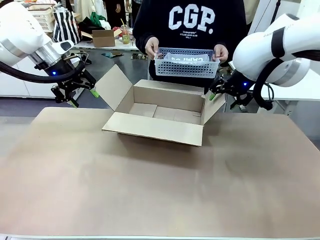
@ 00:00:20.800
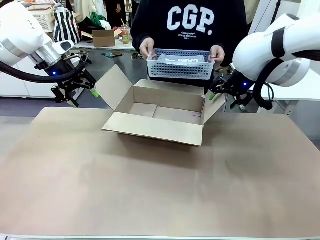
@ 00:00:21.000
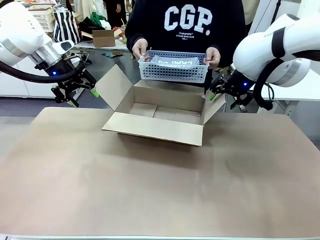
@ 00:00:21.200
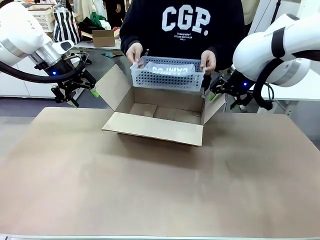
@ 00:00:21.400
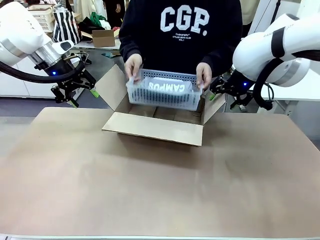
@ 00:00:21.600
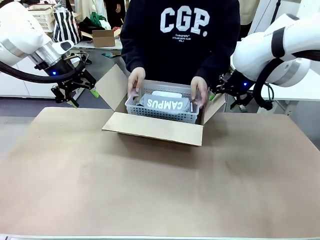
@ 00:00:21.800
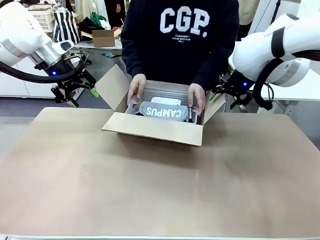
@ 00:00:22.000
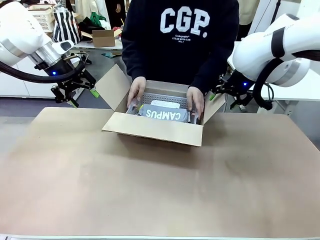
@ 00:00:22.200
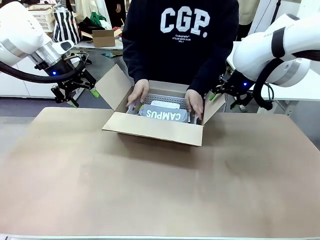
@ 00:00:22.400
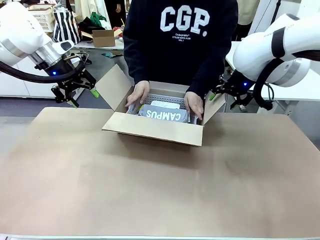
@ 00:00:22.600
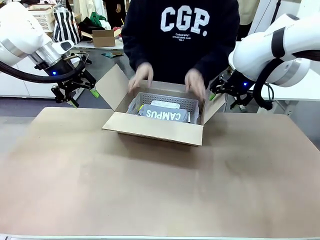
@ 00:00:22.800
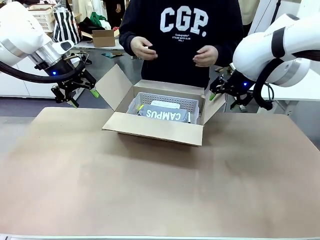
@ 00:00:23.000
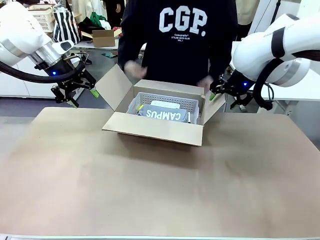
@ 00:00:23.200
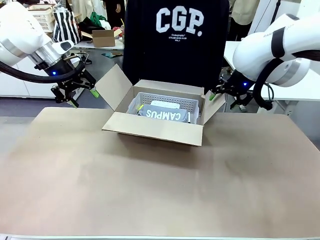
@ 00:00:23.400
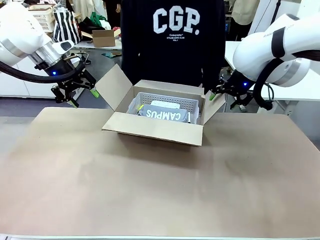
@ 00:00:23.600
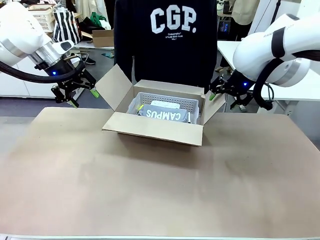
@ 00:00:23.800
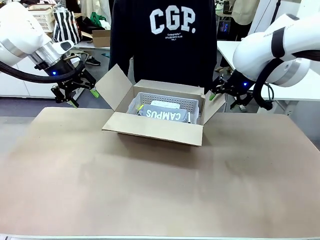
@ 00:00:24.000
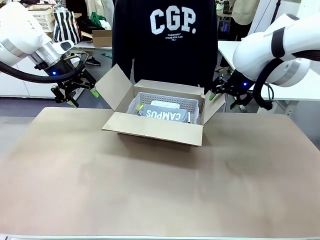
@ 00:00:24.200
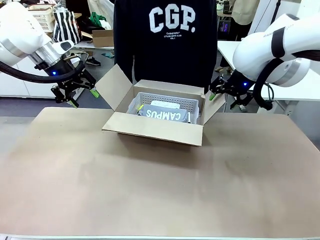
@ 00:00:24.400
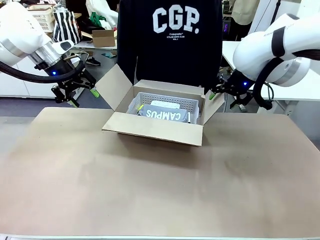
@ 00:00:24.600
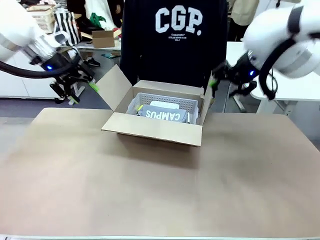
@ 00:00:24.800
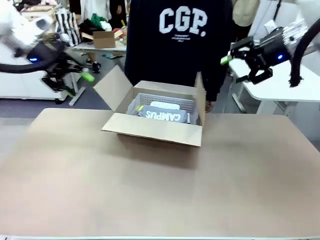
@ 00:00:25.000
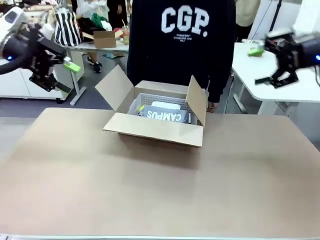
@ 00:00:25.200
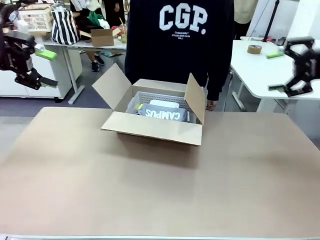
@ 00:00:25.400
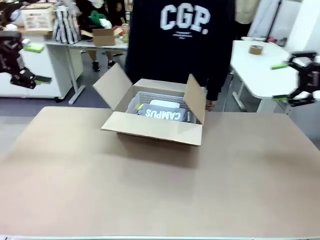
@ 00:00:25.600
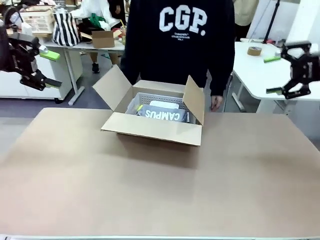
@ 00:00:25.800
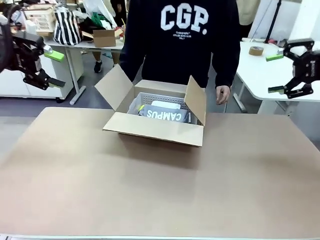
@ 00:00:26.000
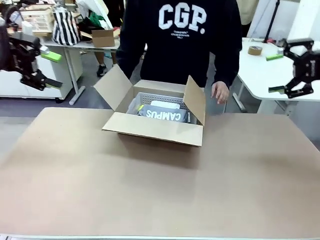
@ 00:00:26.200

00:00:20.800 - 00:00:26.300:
Task: Pack the gift set into the box.
Robot: Lift both hands away from the flaps of the Package Box.

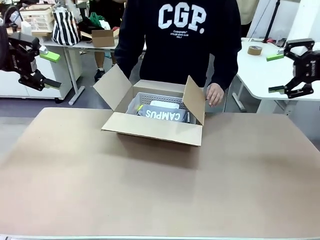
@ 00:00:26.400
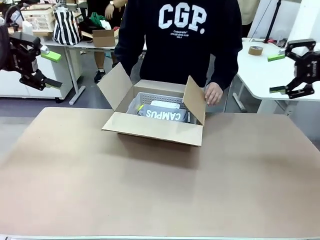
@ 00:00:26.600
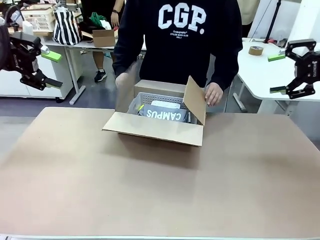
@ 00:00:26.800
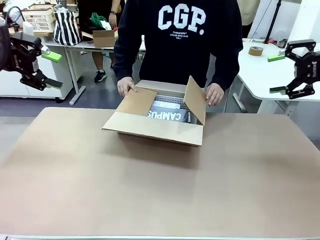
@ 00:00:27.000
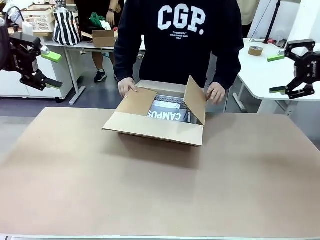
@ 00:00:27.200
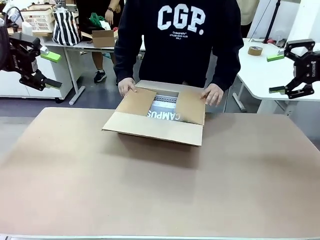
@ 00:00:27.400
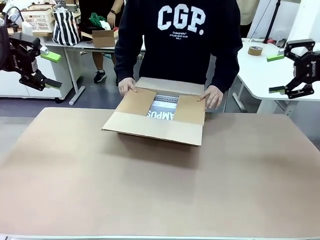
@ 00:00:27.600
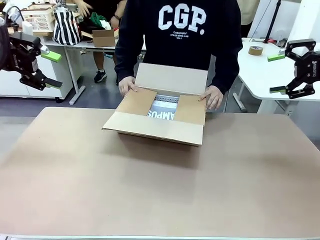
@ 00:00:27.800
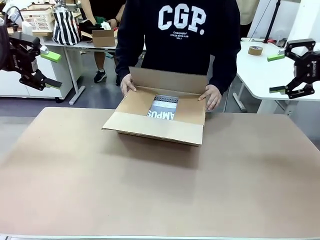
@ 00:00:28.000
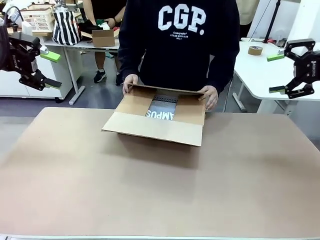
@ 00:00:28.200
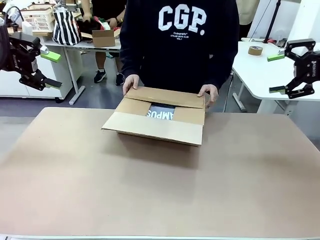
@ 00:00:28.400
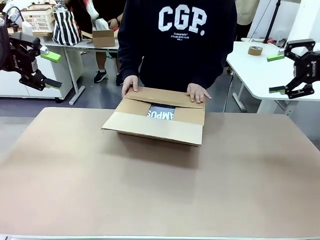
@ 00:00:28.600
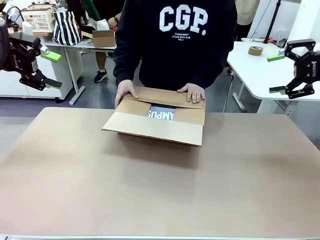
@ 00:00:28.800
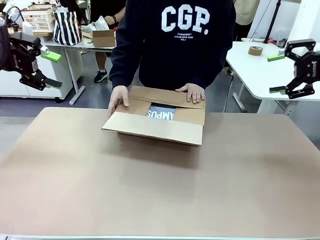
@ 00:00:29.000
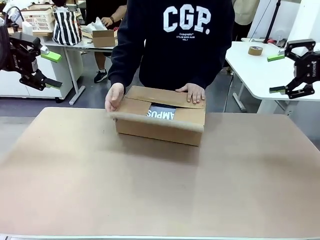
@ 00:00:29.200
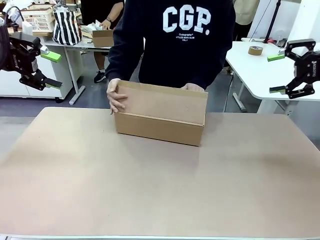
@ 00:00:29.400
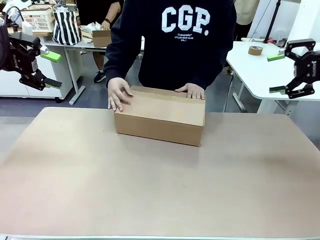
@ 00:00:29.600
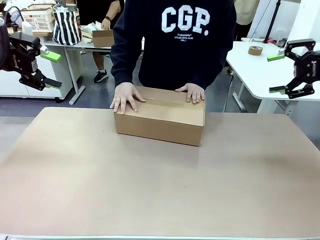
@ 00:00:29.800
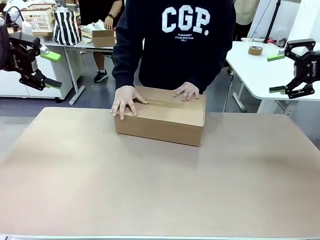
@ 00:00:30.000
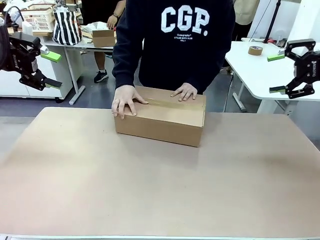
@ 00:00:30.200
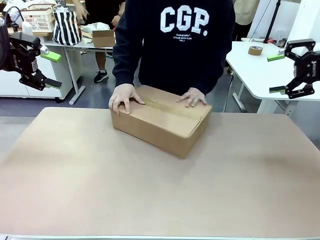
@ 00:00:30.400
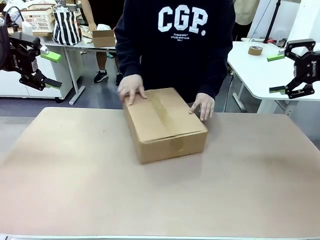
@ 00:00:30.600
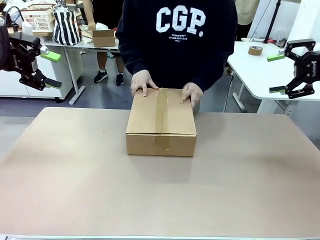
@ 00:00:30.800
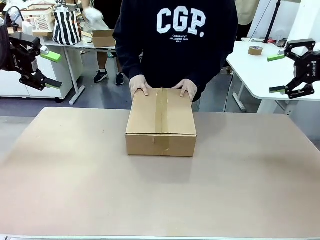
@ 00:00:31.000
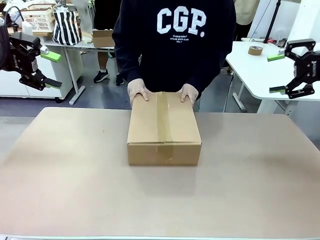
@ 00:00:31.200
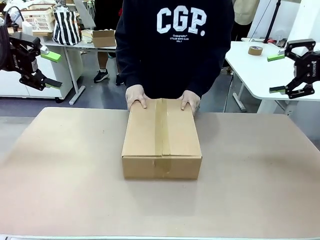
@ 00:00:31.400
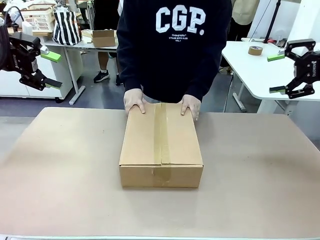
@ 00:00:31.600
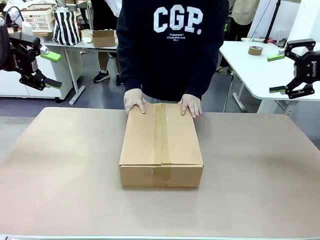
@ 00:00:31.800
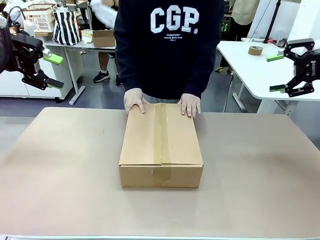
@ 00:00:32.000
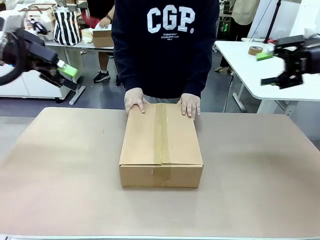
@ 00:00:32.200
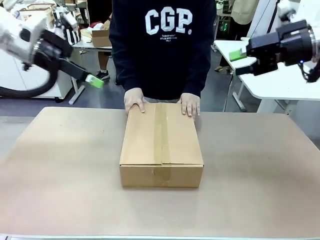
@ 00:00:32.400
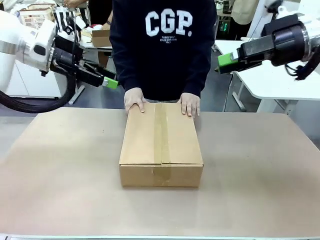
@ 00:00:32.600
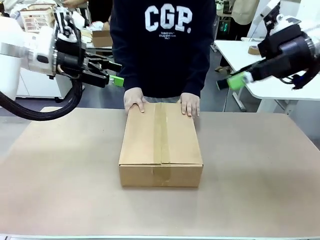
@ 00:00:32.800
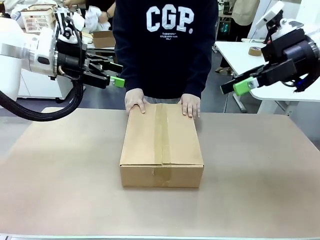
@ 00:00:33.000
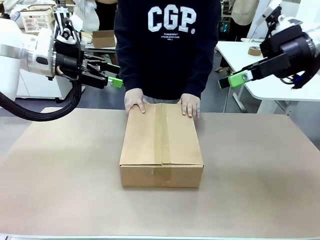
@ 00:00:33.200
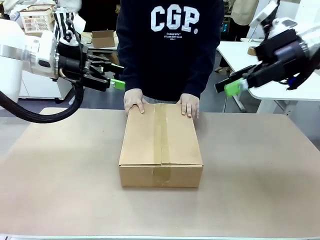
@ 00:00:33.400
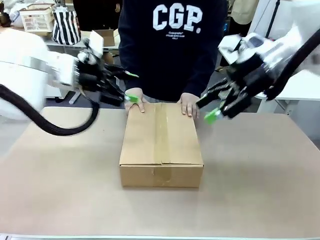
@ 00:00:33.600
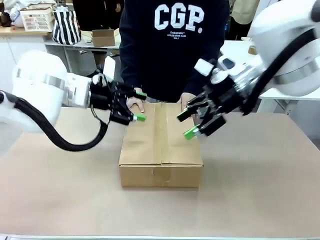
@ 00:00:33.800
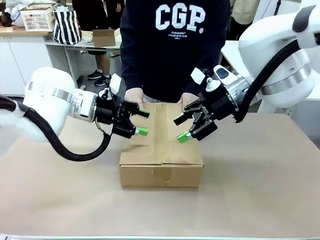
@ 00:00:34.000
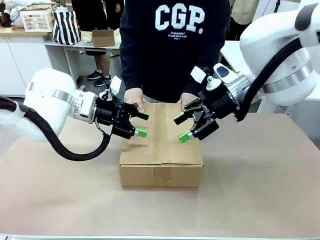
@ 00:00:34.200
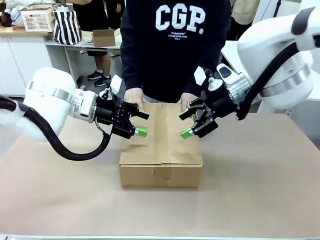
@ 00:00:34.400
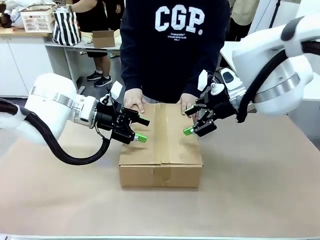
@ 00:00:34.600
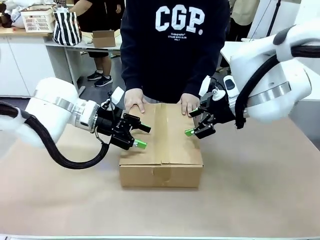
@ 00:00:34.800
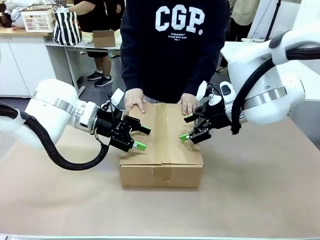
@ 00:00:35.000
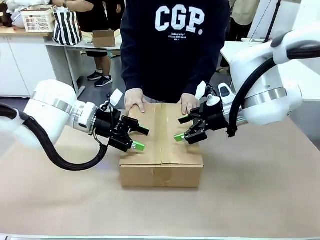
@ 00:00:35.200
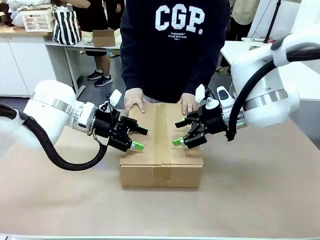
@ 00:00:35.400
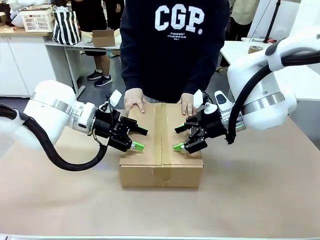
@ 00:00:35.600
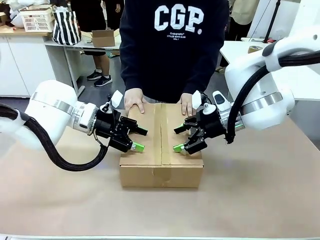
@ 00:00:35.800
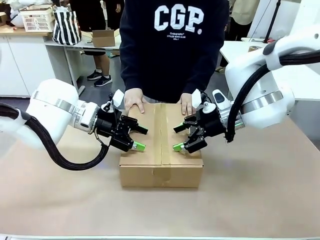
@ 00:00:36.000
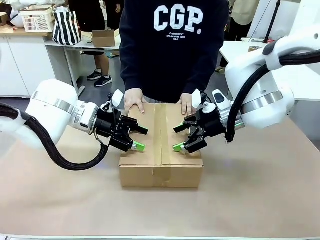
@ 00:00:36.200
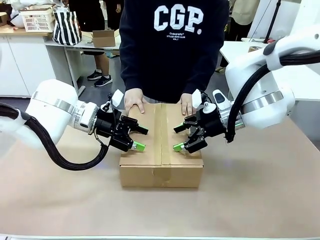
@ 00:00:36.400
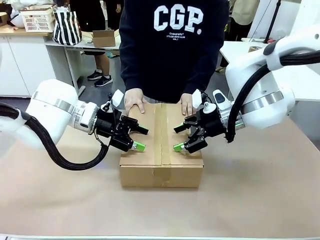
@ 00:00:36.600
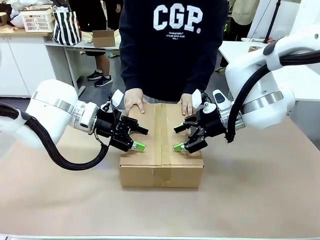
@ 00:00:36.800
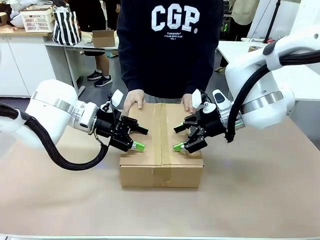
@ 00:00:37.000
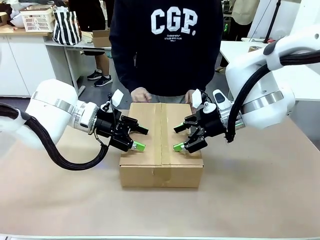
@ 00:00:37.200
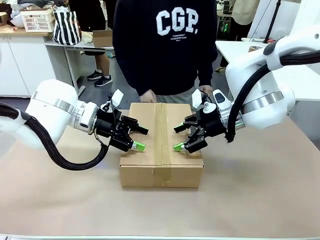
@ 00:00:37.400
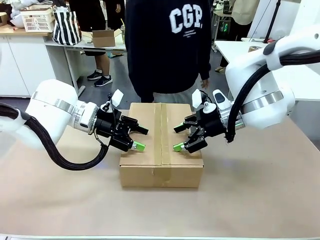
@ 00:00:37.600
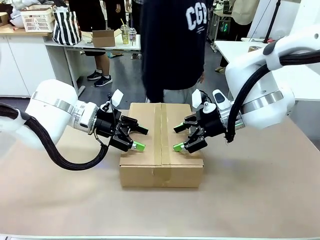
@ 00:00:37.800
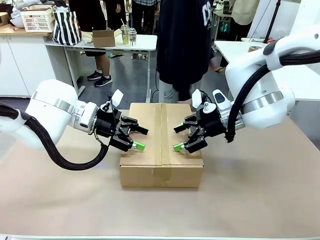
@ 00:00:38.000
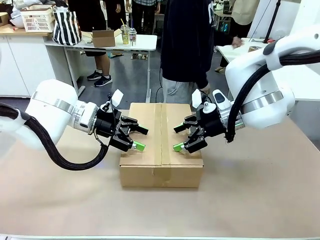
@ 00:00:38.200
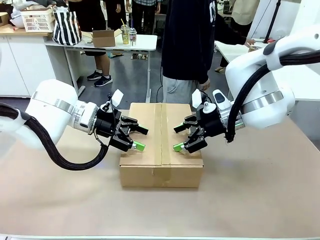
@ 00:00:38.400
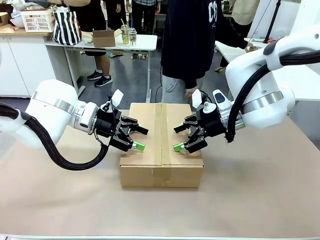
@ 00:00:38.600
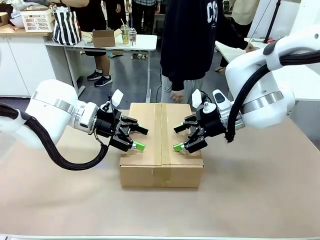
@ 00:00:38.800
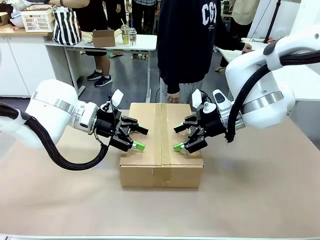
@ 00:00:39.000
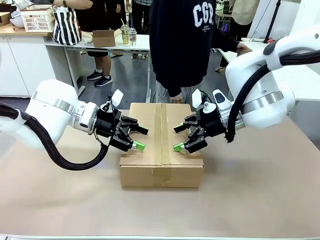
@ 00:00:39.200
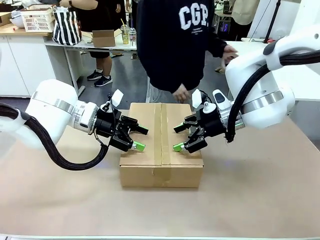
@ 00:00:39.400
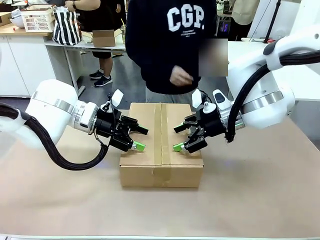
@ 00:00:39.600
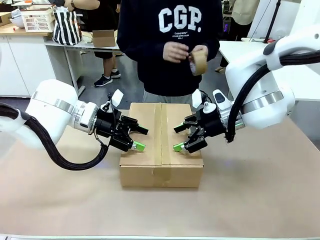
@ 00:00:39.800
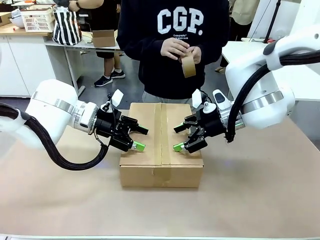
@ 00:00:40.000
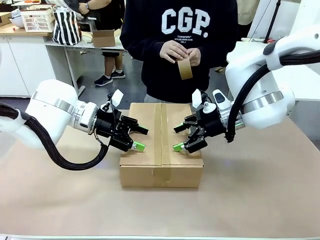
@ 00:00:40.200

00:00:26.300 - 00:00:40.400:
Robot: Press and hold the closed box until the human finishes sealing it.
Person: The human closes the box and rotates the box by 90 degrees.
